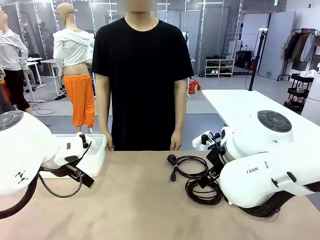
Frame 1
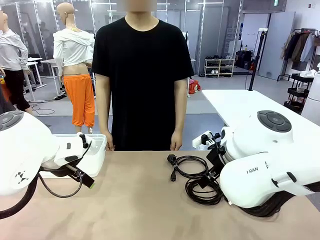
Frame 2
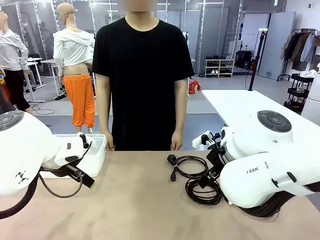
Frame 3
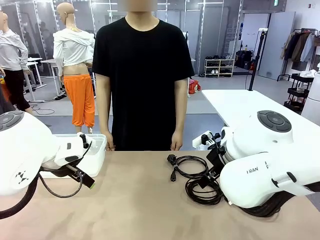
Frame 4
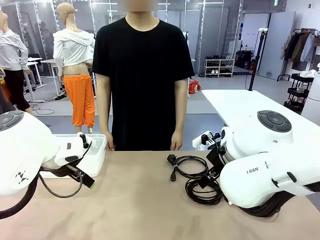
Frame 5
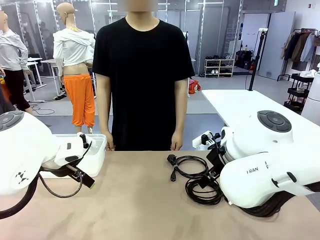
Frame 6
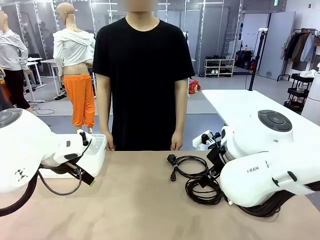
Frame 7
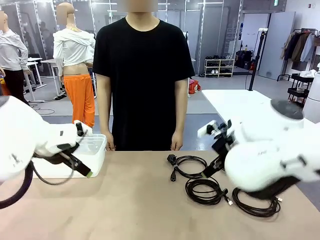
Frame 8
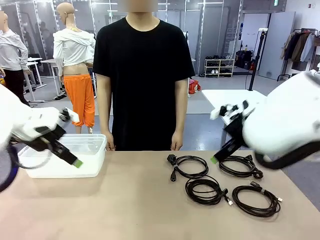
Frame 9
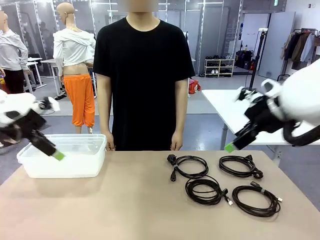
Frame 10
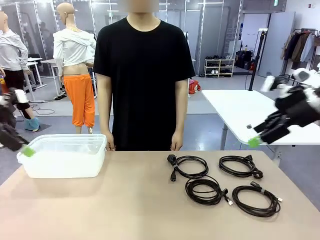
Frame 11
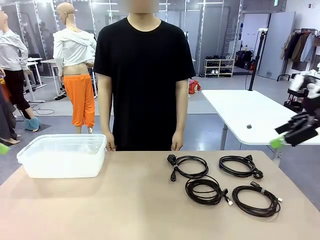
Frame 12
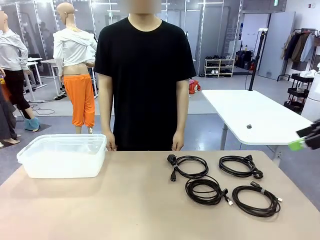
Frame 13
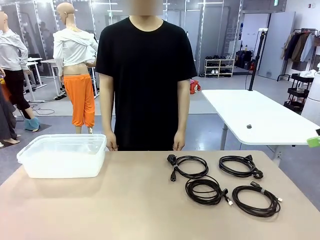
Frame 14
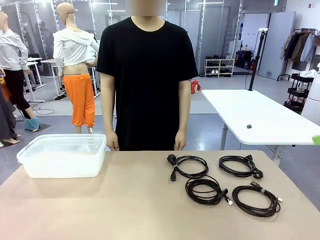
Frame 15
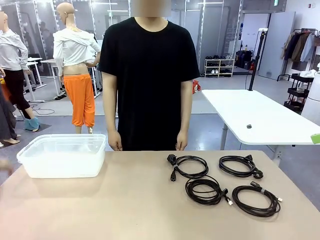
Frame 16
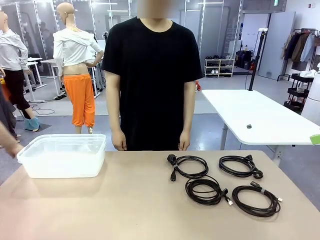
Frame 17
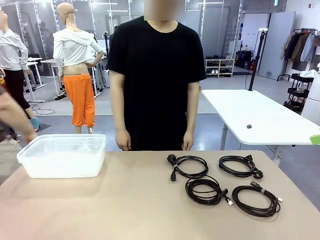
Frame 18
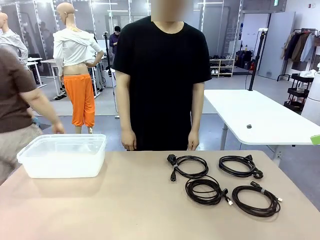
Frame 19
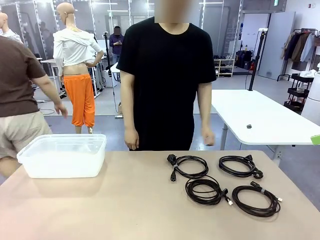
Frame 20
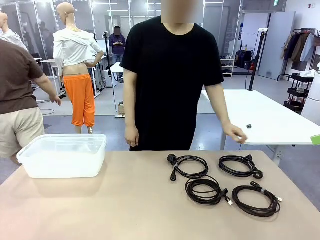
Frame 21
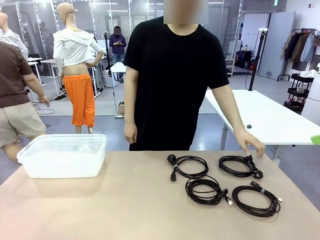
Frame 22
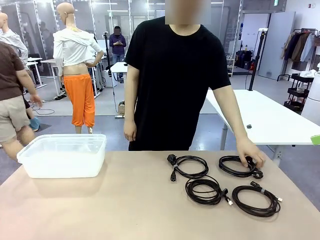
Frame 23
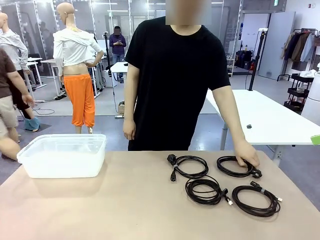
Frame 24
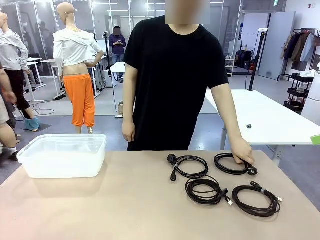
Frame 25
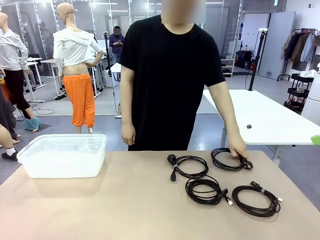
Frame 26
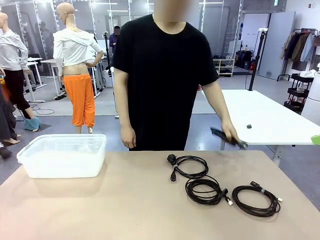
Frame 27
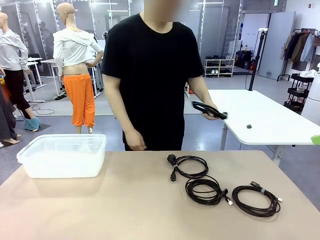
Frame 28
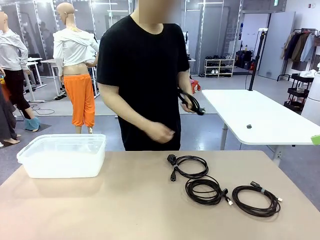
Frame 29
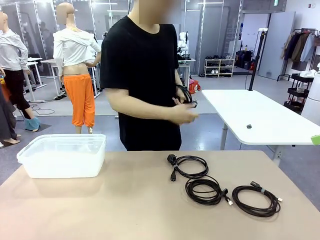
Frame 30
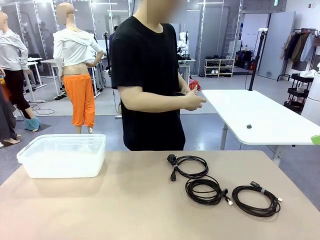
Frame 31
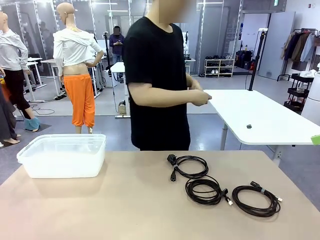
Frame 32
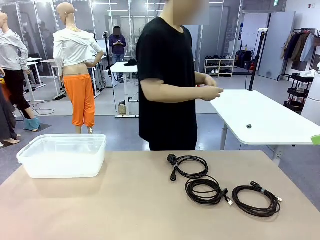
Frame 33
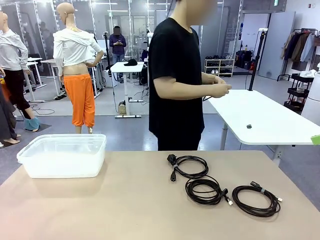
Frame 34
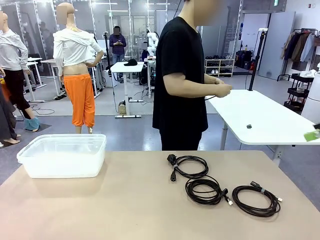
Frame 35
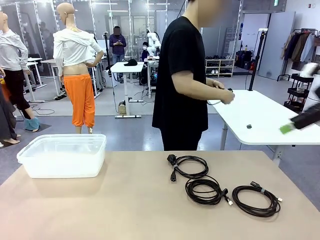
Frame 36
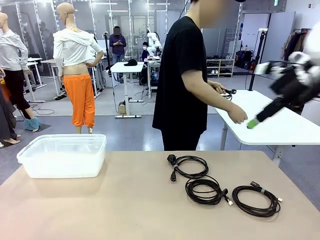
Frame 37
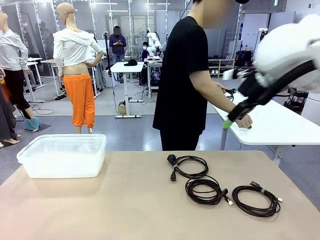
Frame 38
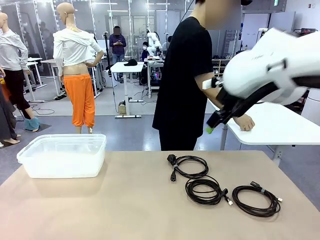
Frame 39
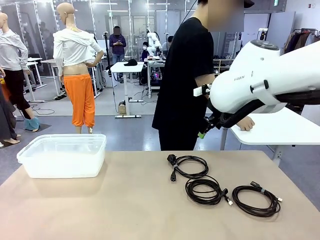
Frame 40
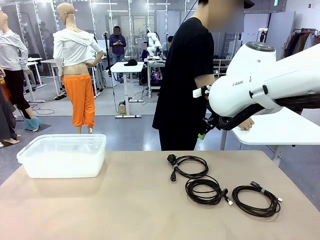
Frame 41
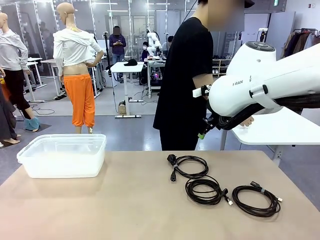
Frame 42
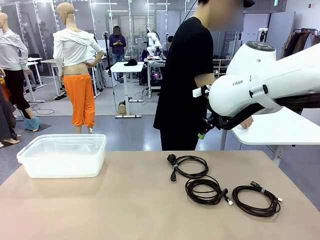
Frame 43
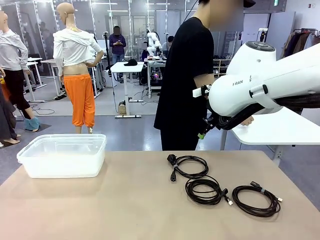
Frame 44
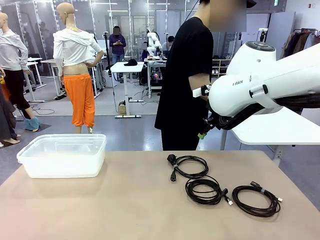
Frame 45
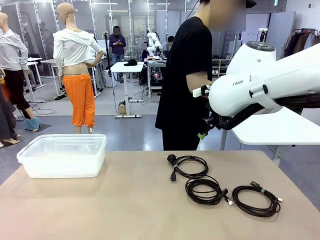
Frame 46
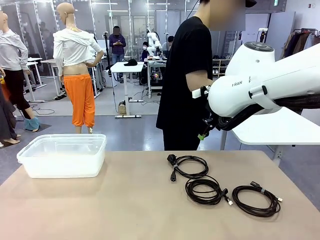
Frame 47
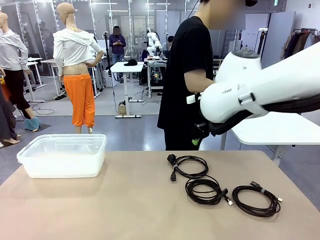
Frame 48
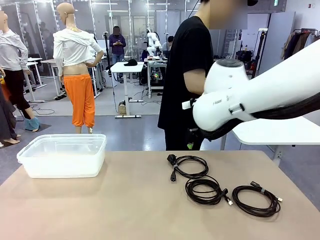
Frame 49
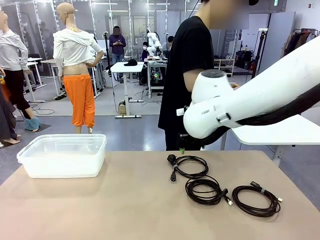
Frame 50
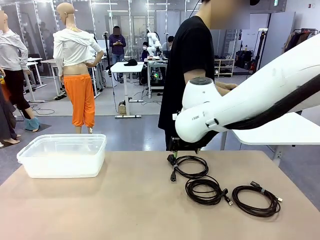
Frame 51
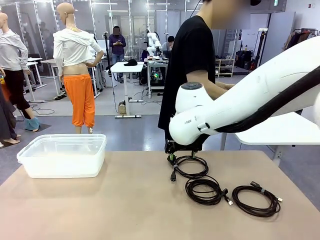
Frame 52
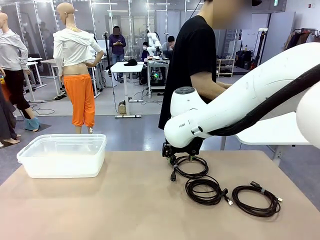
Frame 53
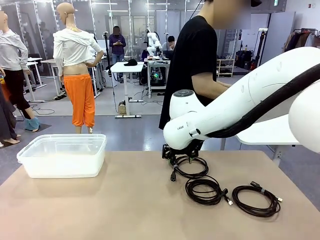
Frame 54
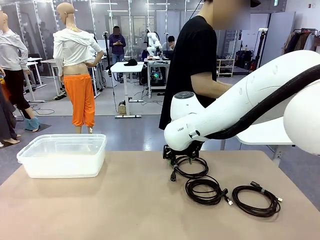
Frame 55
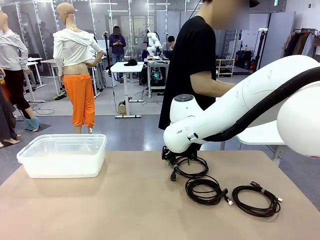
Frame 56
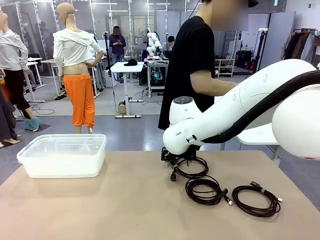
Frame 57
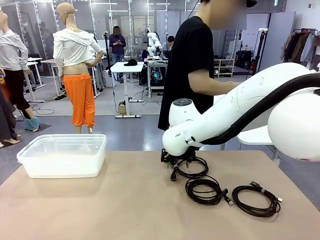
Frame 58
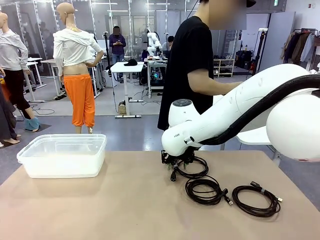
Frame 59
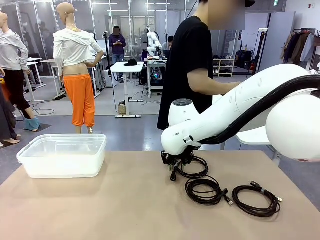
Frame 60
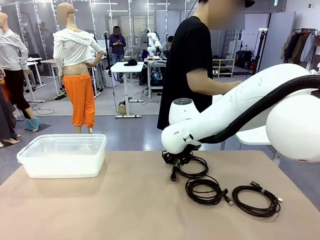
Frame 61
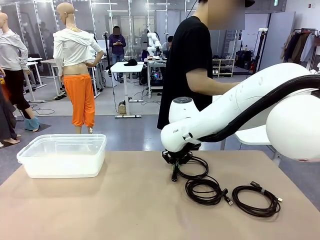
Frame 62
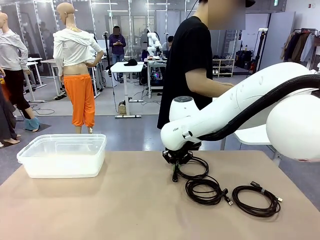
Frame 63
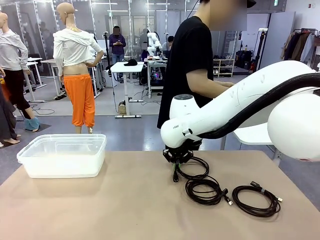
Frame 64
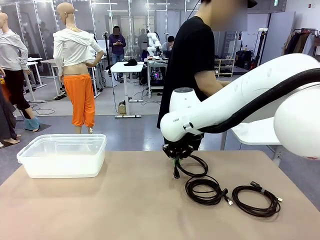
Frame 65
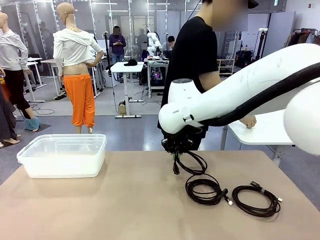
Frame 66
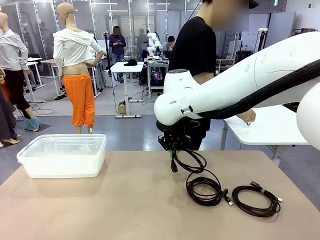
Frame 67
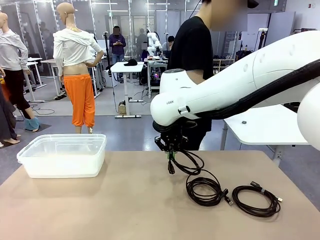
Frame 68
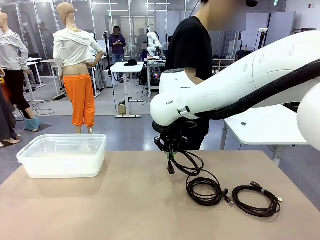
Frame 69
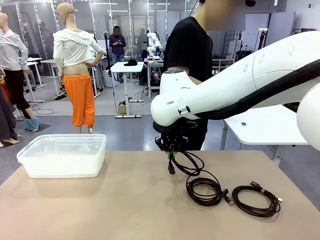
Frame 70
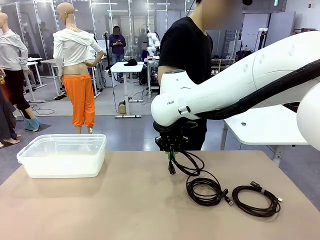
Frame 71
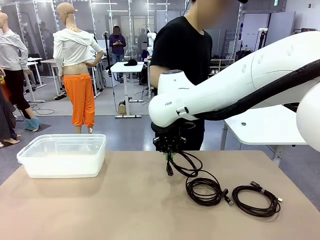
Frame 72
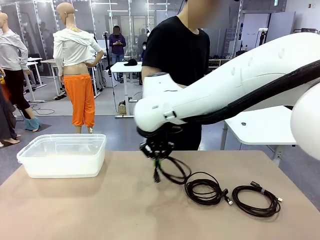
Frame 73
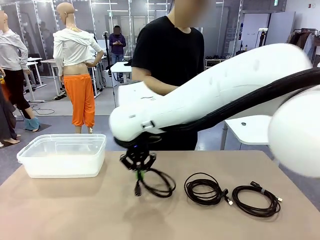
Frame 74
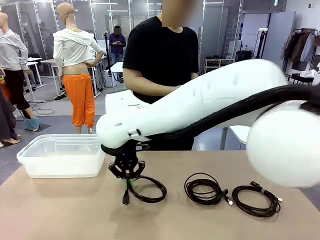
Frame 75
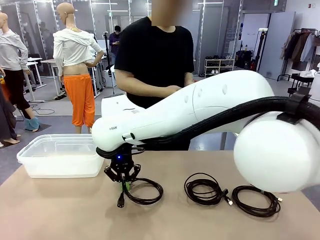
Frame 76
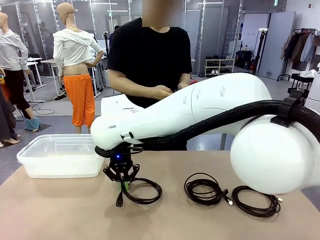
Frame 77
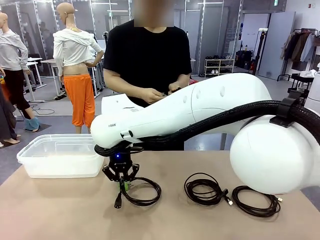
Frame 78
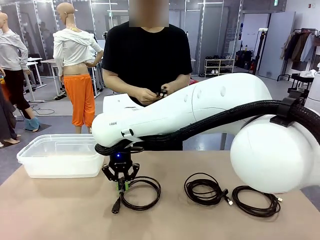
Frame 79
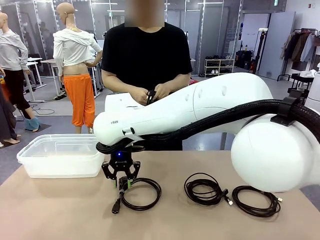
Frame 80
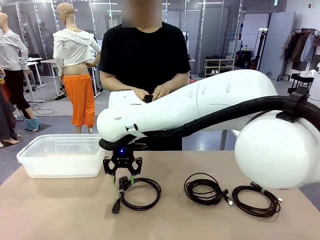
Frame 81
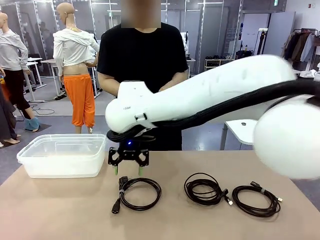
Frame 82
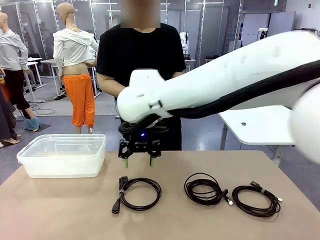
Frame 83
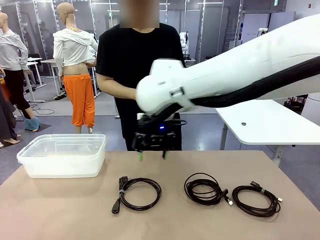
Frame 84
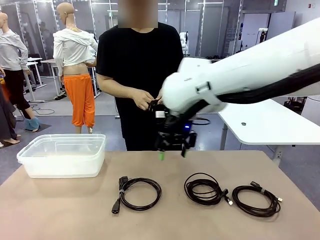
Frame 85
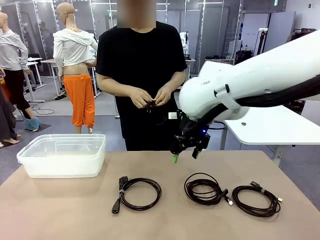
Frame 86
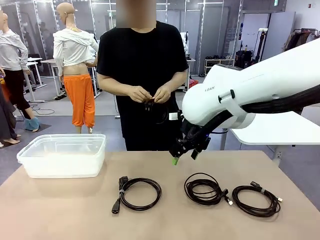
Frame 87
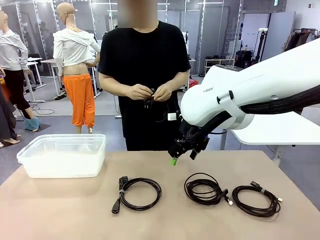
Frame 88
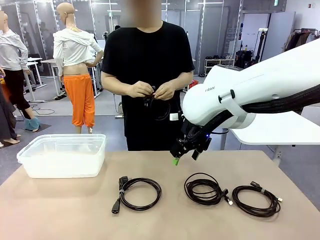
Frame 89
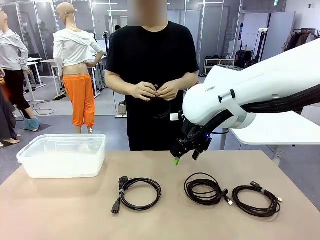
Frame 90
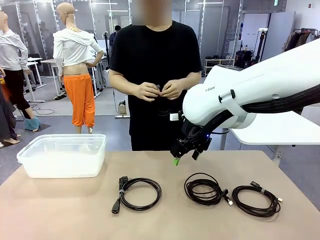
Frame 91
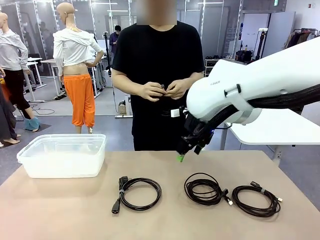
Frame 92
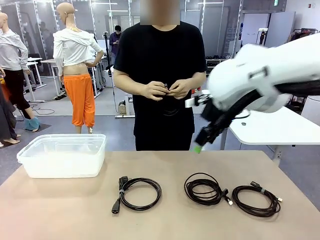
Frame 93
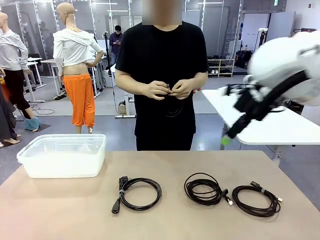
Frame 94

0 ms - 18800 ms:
Task: Organize and store the cables.
Robot: Place the Power Cable into the Organizing box.
Person: Tie one Power Cable with a Reusable Cable Tie.
